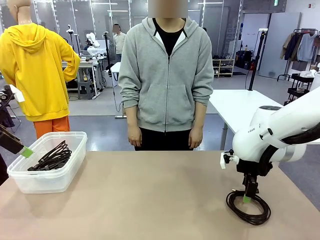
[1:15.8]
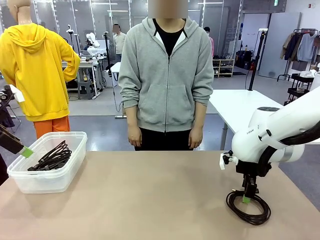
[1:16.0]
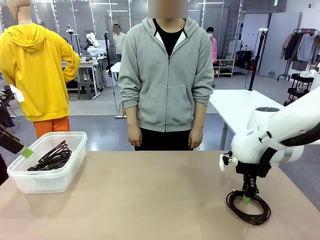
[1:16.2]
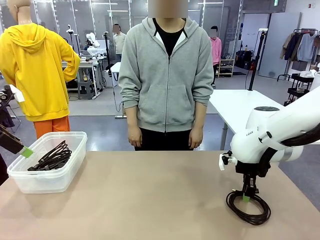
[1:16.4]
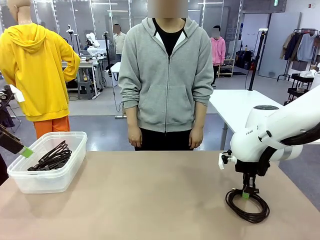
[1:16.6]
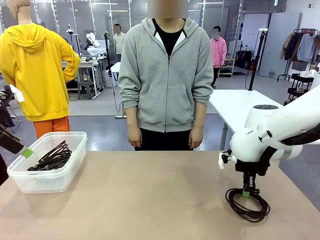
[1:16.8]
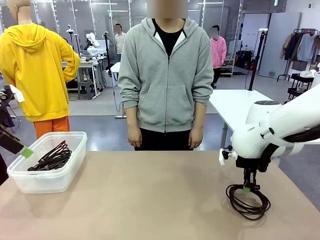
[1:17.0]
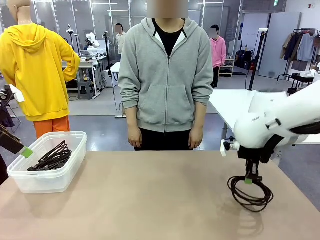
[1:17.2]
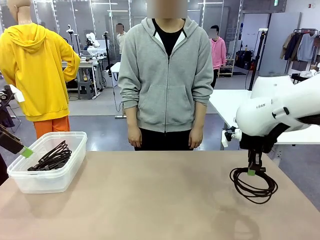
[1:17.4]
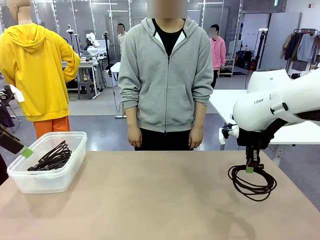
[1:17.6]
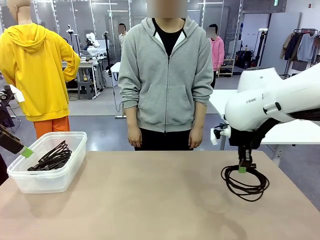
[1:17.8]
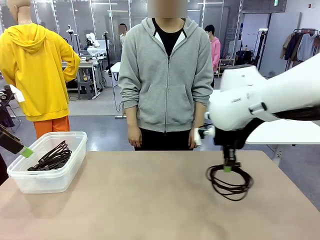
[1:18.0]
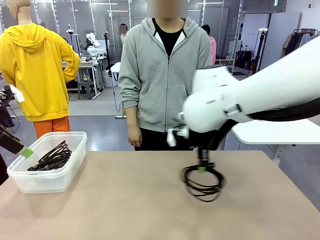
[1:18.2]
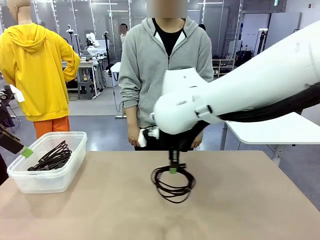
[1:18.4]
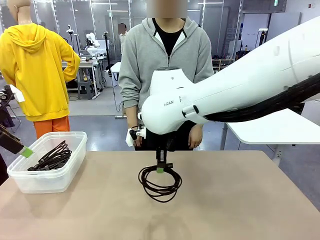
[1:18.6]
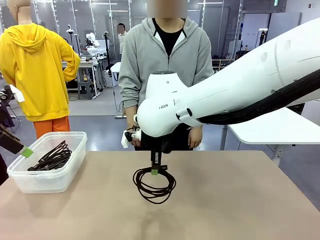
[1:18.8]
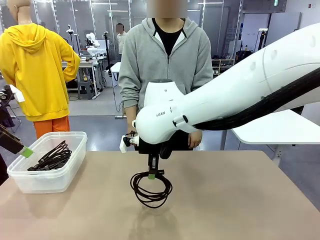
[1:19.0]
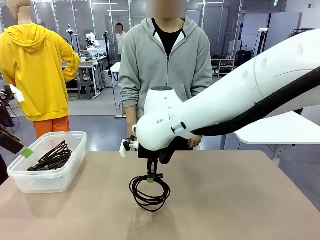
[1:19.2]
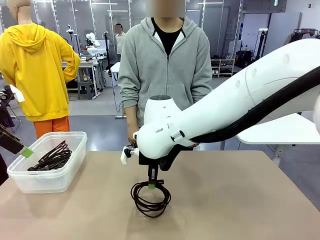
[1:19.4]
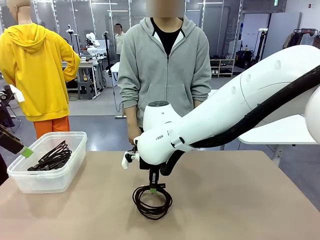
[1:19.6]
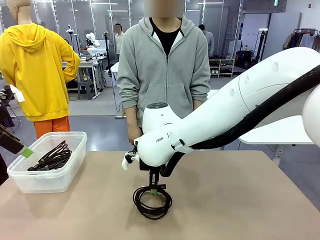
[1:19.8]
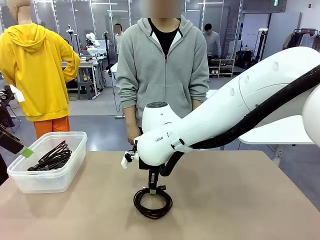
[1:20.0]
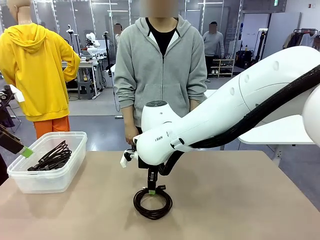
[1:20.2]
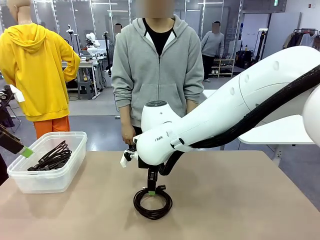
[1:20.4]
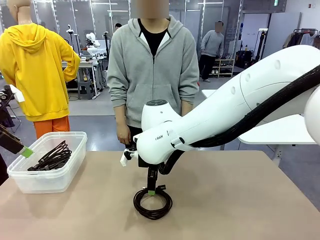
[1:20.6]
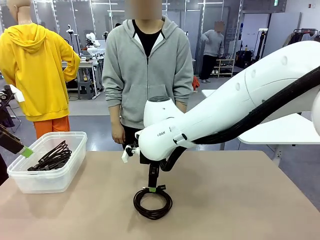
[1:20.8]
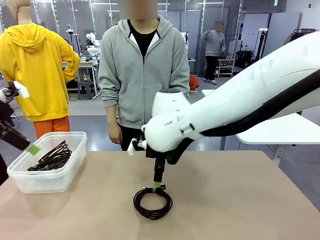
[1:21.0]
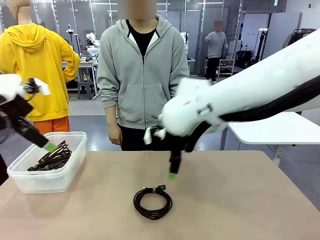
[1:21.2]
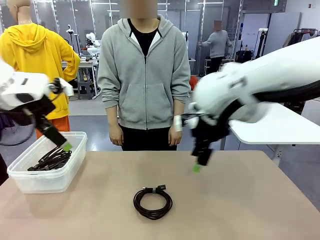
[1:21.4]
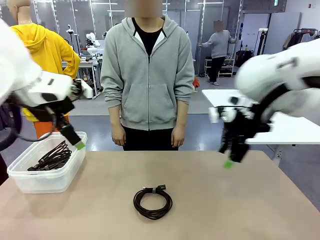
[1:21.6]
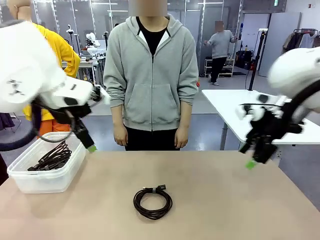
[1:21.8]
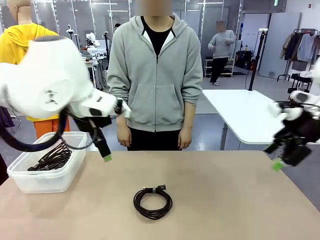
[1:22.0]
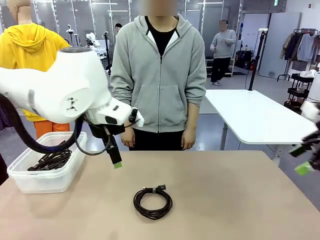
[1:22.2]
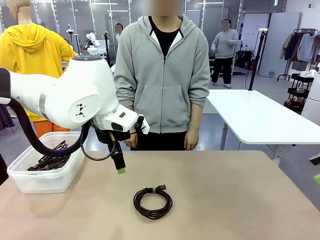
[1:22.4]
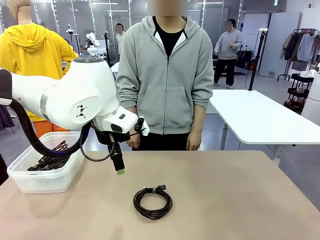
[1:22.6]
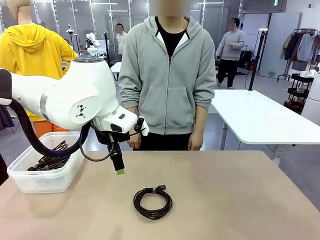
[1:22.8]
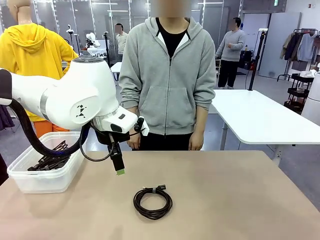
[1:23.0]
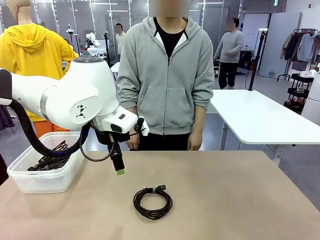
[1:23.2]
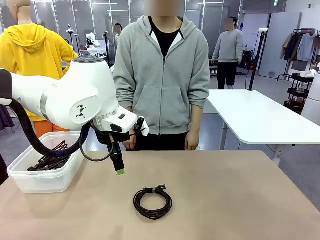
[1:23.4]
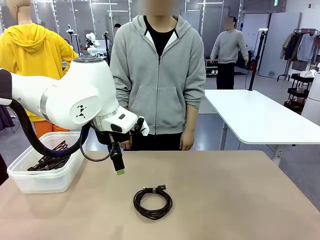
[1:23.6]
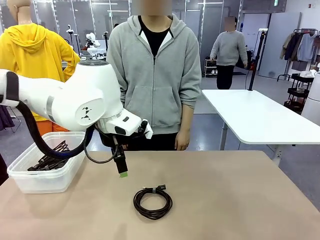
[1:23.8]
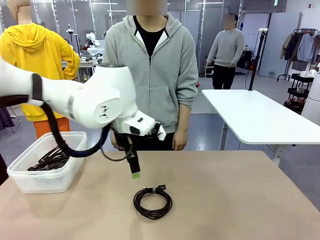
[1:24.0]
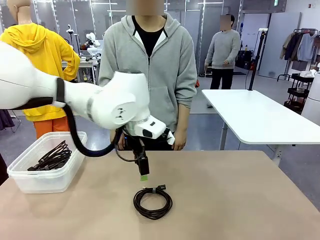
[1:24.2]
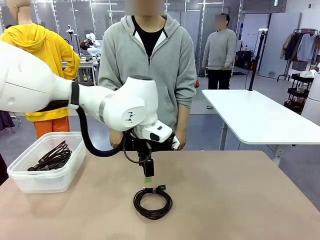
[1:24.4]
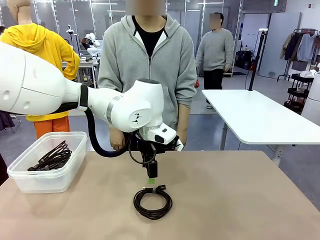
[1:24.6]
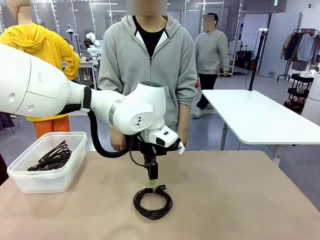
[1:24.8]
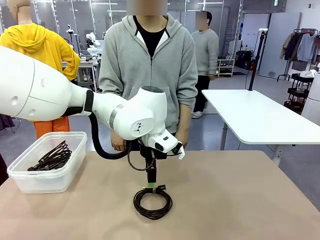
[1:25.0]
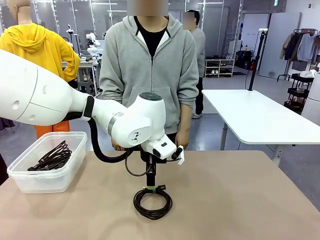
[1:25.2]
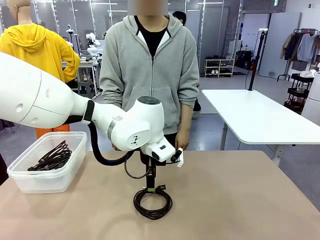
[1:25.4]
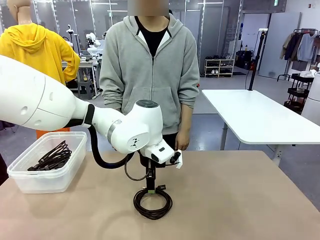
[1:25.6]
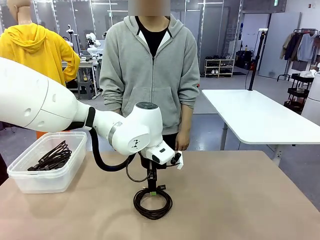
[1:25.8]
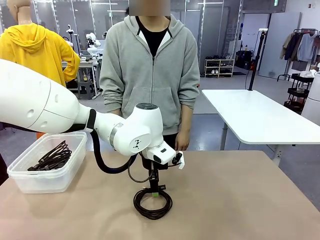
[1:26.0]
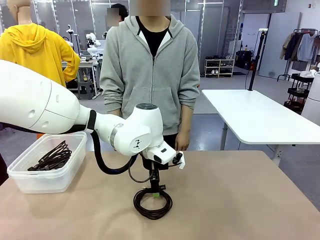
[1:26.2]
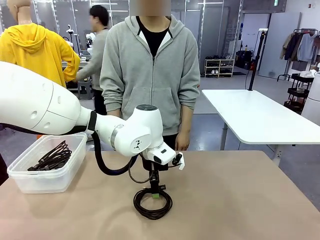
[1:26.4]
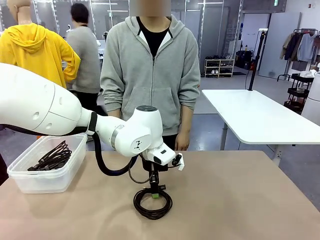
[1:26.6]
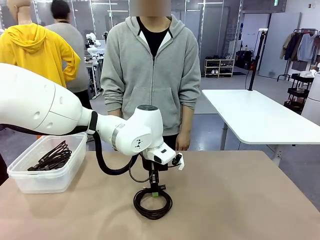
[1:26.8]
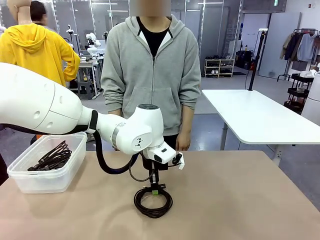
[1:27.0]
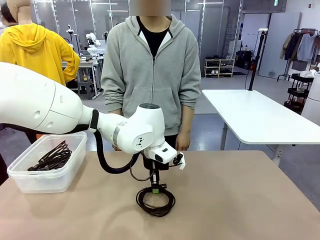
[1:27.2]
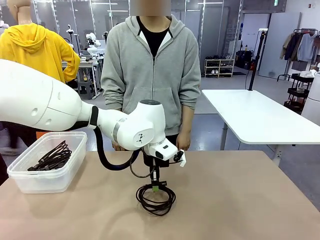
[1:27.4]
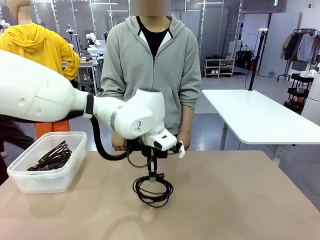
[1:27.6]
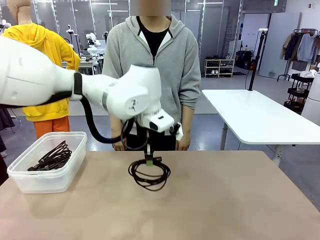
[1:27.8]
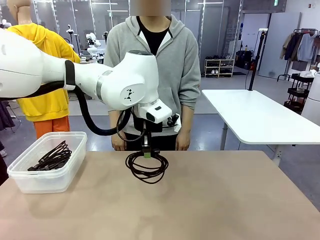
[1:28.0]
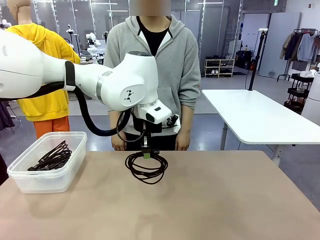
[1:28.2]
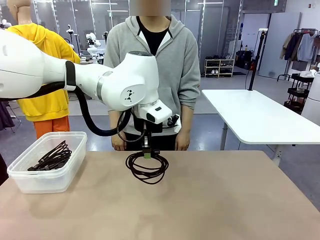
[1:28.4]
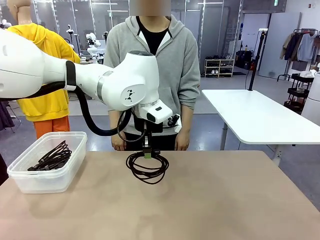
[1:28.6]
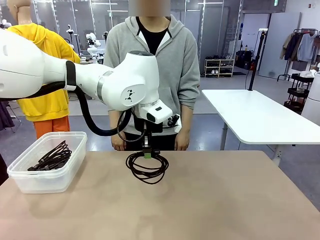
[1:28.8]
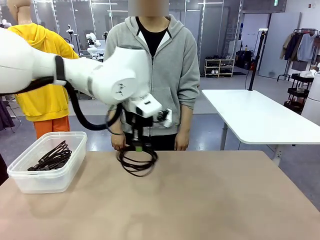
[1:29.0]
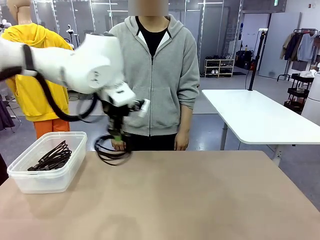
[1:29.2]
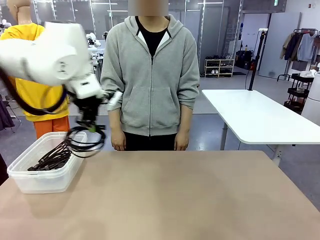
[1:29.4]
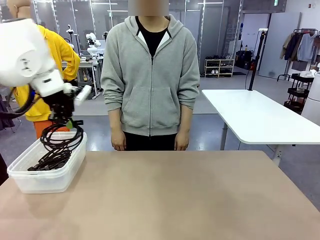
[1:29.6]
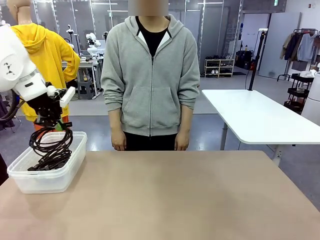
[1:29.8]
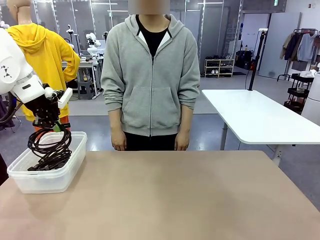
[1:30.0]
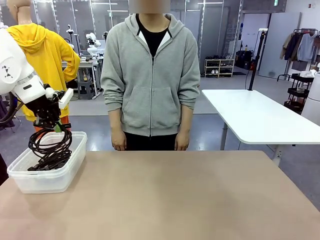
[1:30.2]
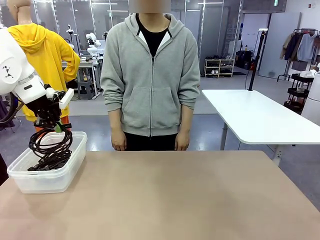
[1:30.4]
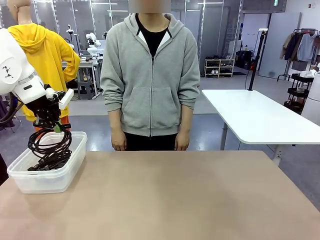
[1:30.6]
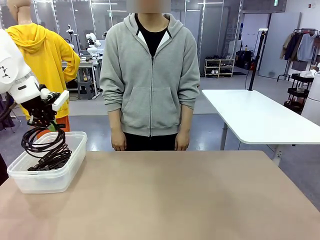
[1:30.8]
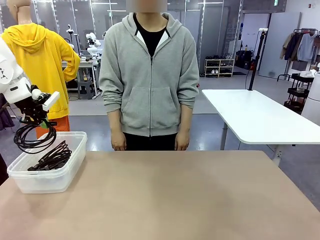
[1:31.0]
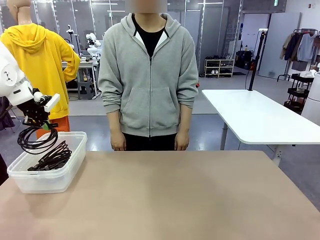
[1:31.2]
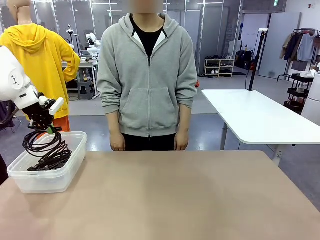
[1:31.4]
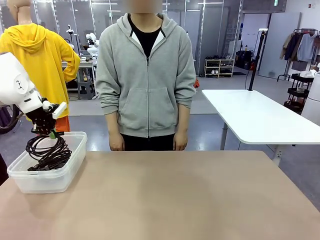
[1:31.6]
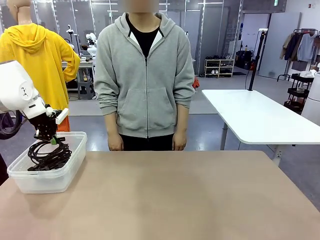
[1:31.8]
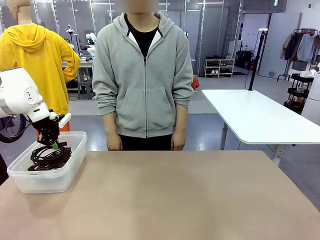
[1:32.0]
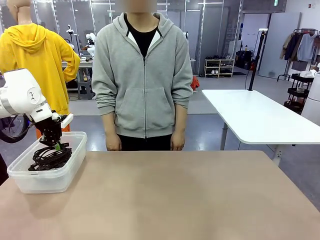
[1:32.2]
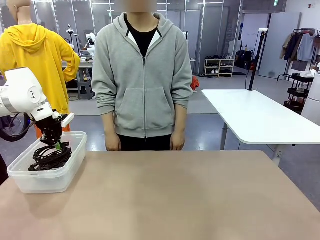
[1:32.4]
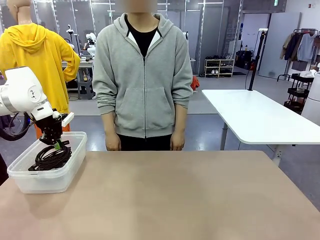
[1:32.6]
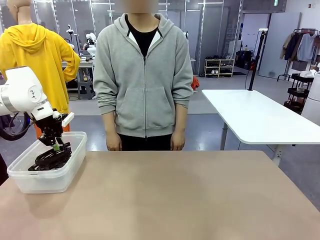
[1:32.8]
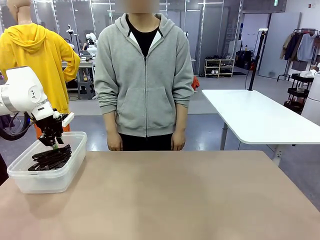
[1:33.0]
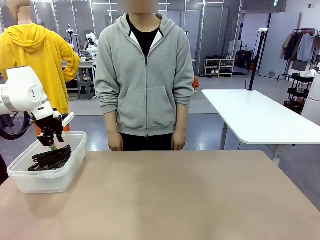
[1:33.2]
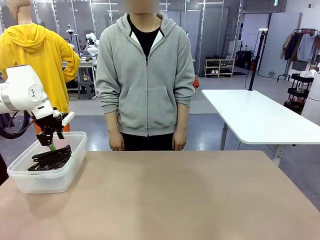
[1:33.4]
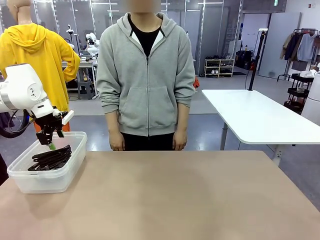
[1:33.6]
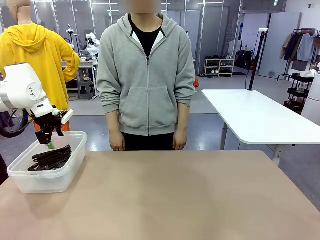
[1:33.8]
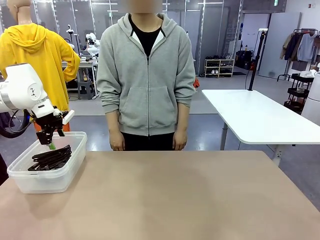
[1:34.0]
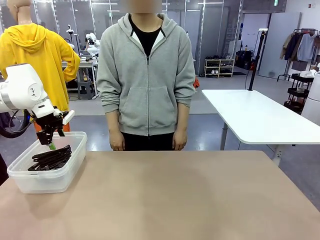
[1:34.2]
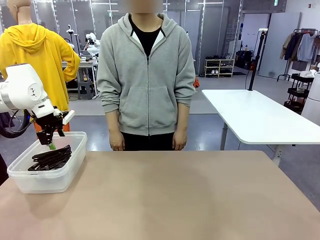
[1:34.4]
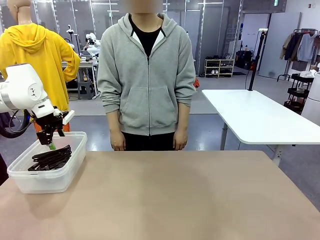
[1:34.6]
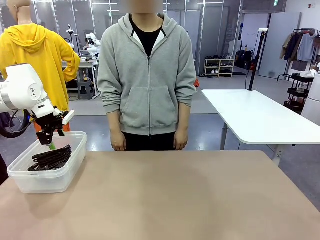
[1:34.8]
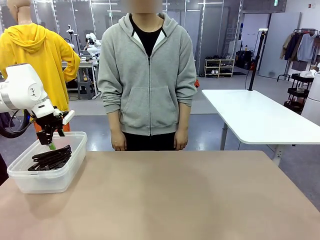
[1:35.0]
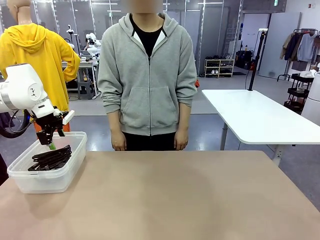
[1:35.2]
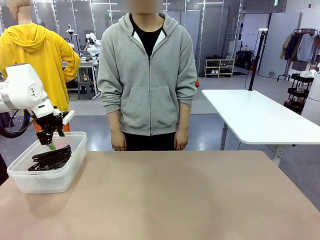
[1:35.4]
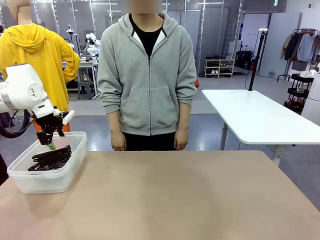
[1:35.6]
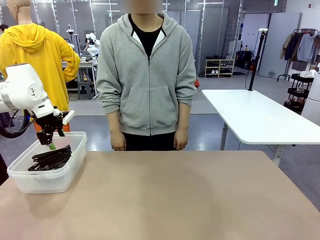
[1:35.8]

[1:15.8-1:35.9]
Task: Organize and store the cables.
Robot: Place the USB Extension Cable into the Organizing box.
